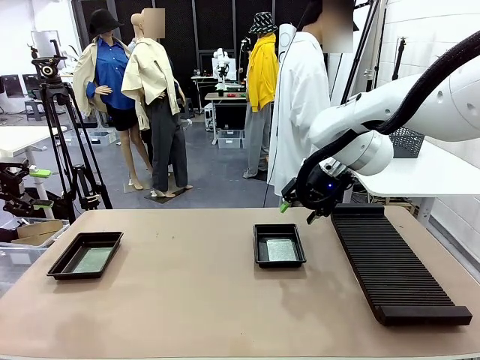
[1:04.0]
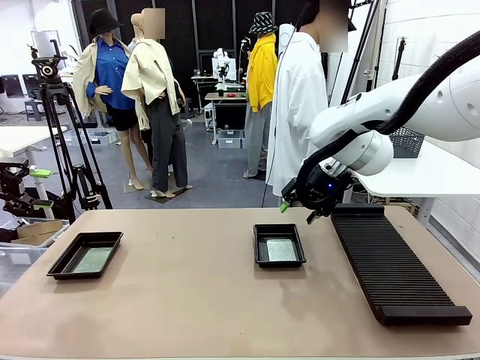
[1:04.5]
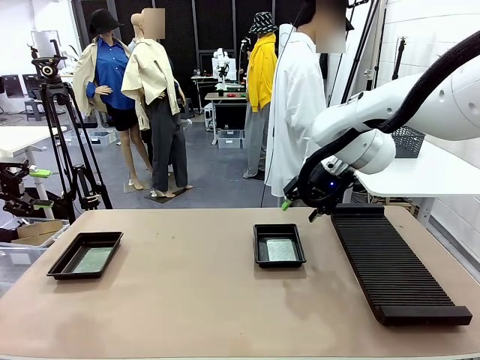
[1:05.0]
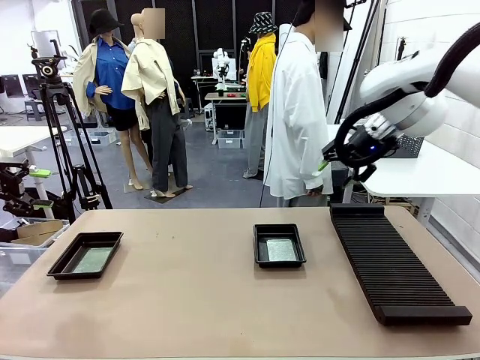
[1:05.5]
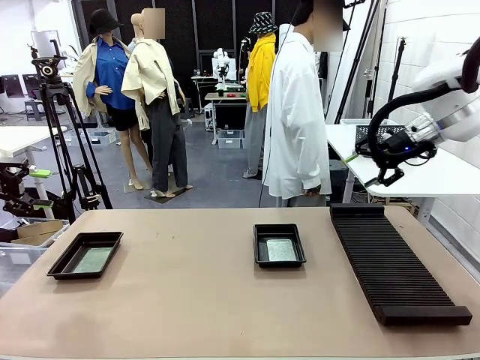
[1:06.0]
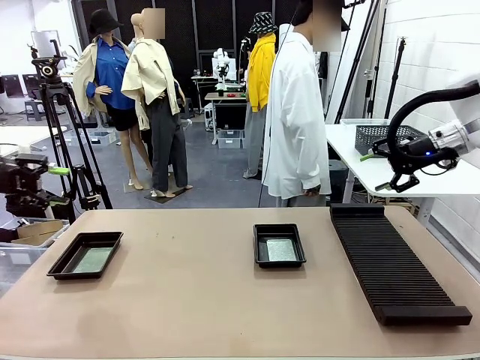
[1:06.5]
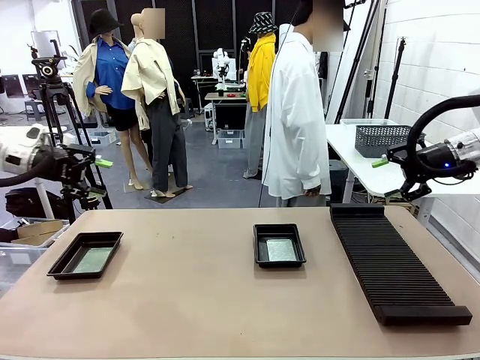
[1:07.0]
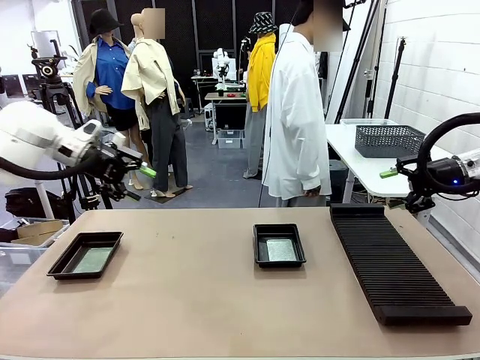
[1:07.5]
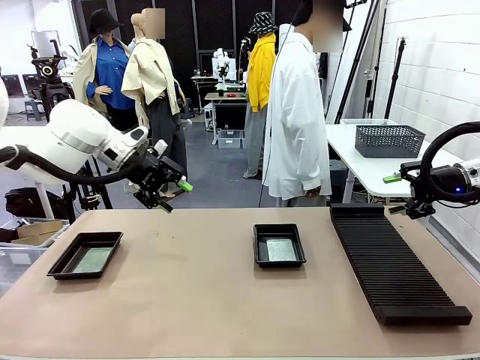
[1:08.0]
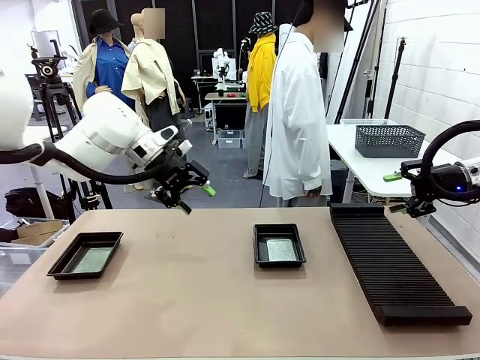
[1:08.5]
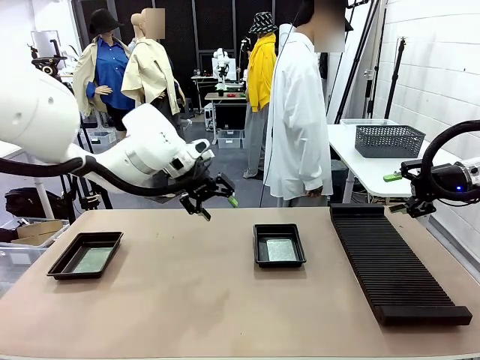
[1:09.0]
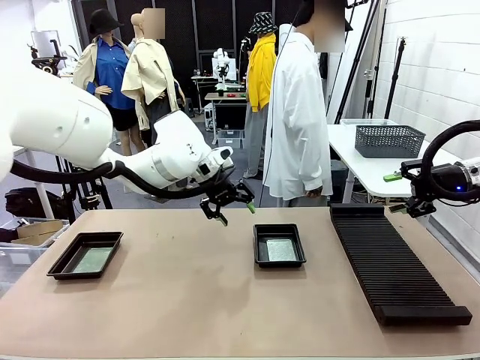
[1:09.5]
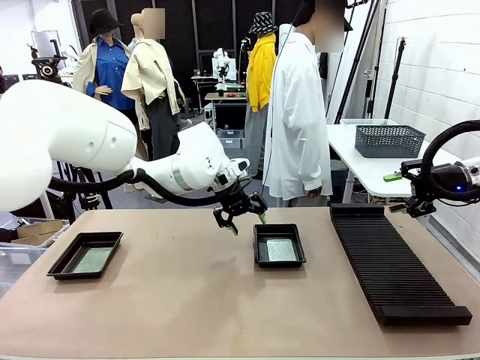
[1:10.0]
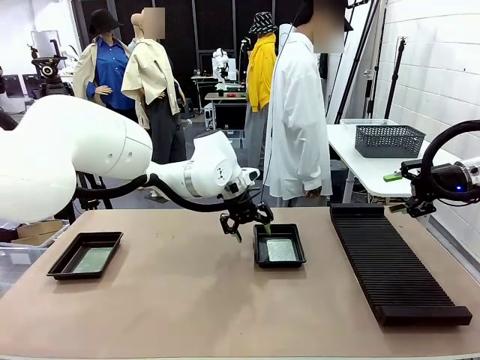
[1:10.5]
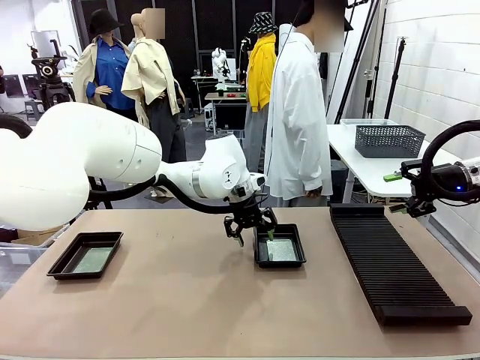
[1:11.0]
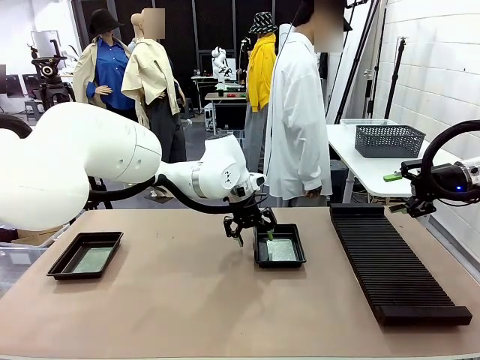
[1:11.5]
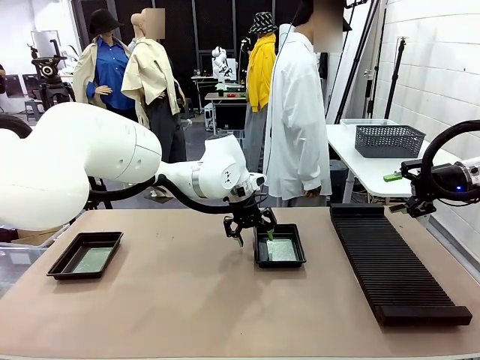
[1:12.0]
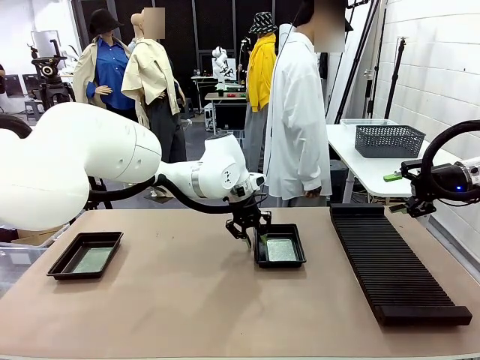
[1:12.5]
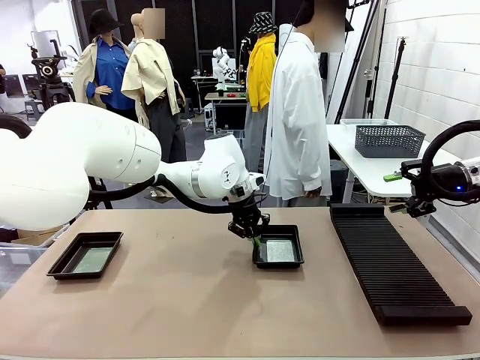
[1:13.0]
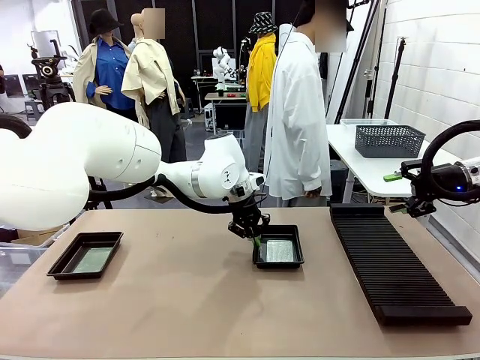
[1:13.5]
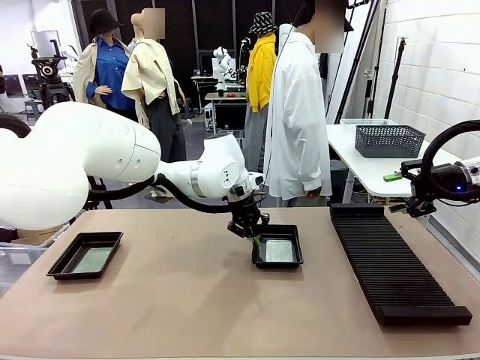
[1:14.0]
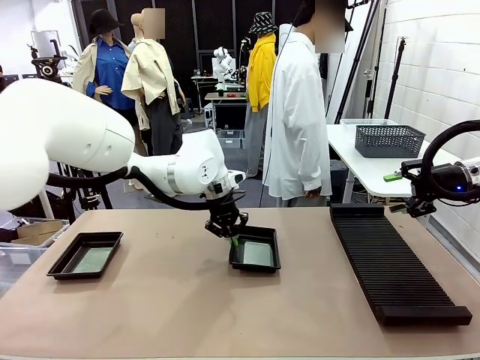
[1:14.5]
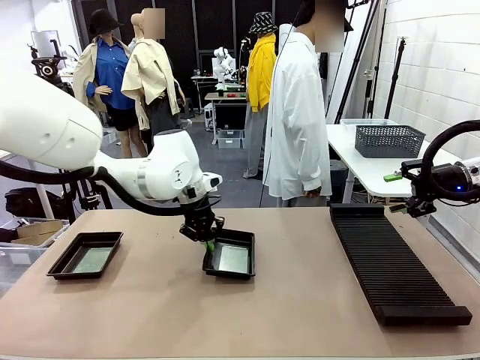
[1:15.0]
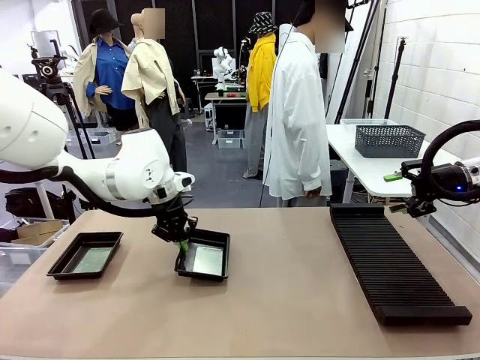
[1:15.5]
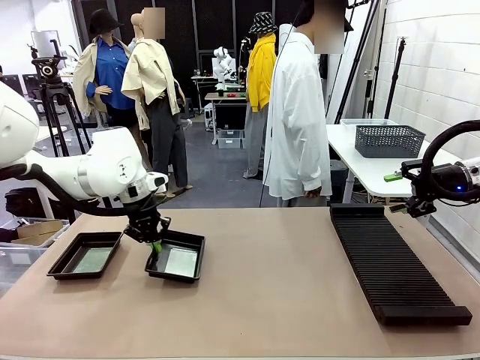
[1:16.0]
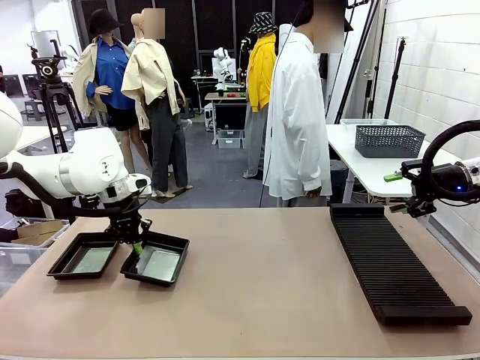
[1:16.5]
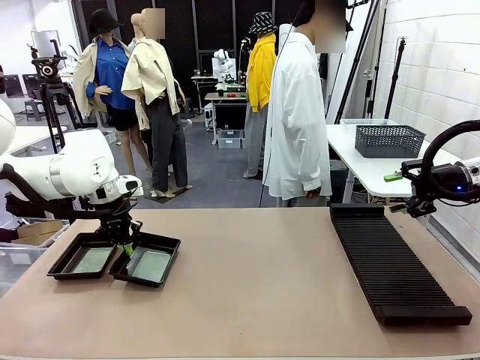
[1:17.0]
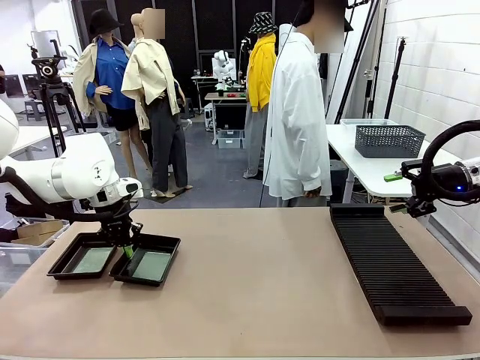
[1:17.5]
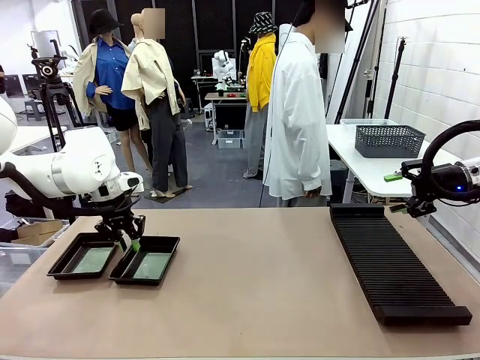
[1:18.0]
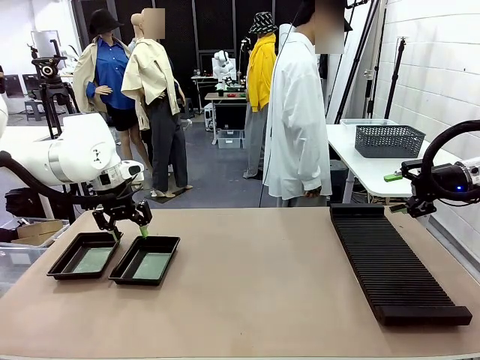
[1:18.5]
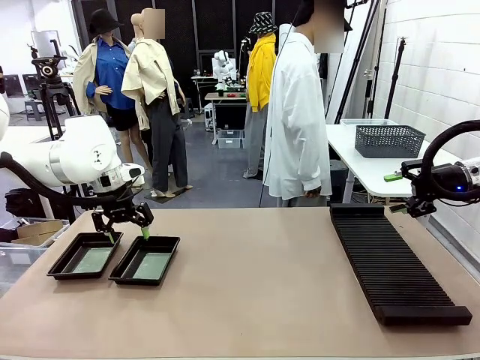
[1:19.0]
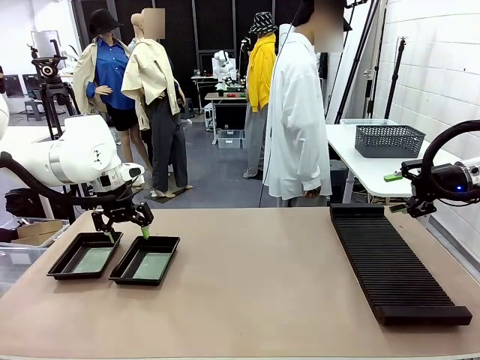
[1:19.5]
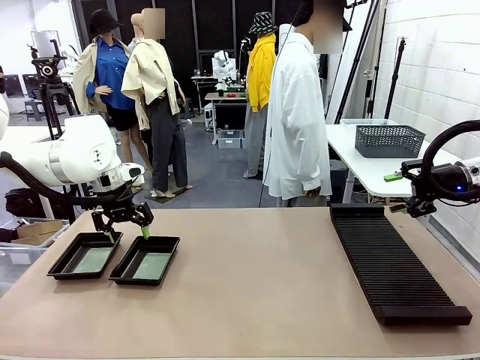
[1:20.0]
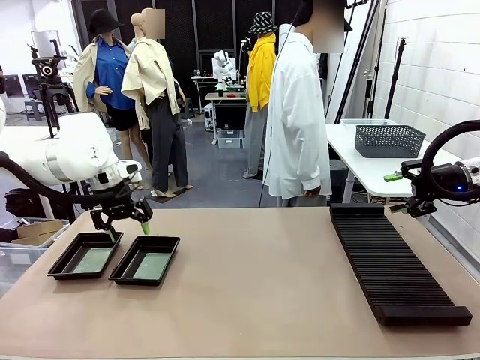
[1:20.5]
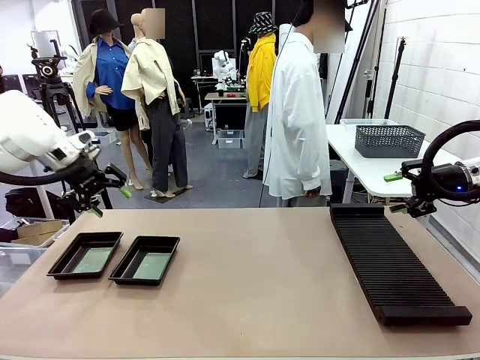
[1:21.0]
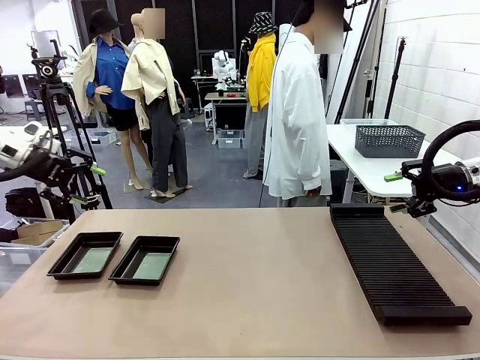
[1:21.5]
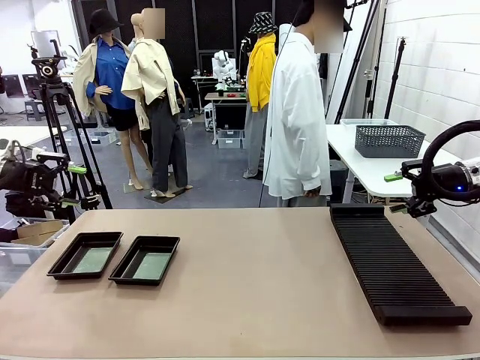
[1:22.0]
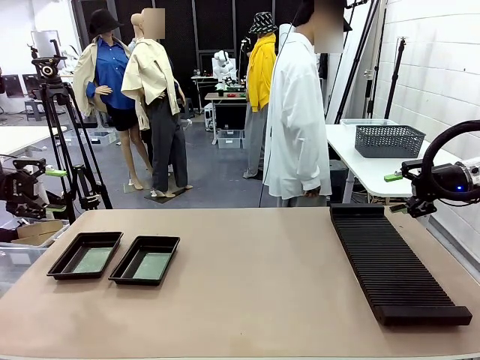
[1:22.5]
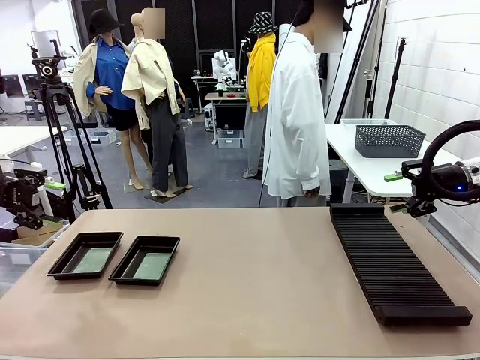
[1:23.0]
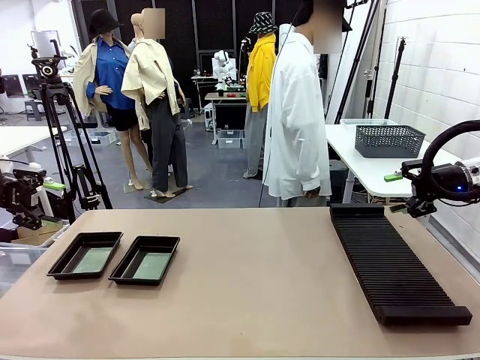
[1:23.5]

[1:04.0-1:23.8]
Task: Inspect and transfer BCBs to ESD trays.
Robot: Pick up the ESD tray and place it on the left side of the table.
